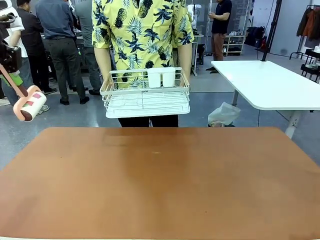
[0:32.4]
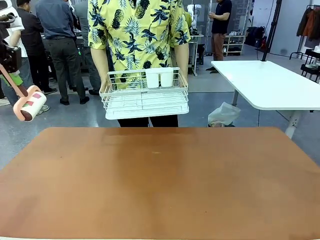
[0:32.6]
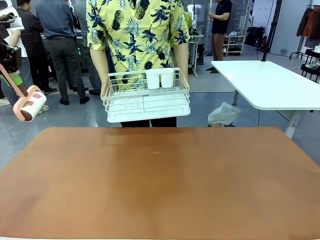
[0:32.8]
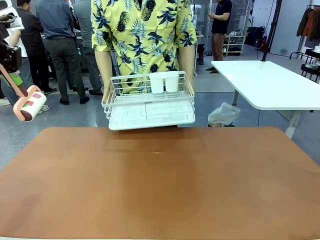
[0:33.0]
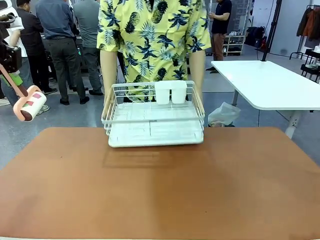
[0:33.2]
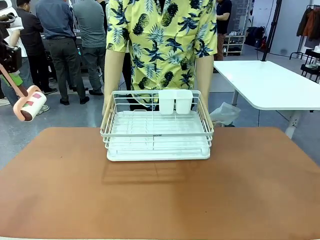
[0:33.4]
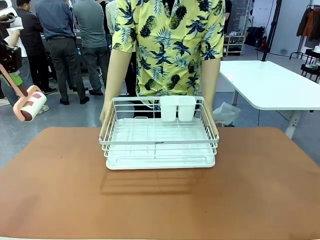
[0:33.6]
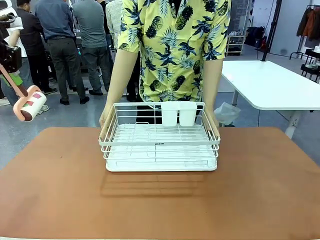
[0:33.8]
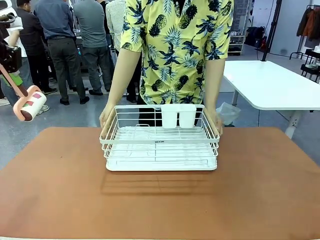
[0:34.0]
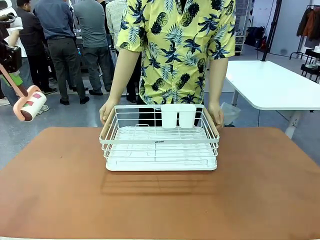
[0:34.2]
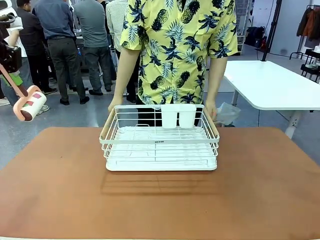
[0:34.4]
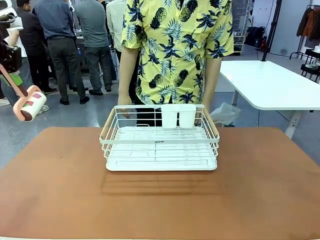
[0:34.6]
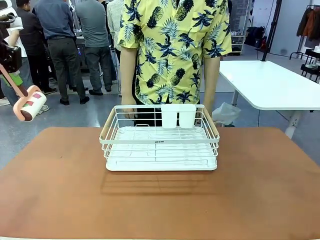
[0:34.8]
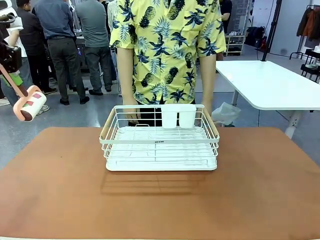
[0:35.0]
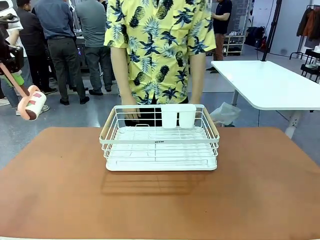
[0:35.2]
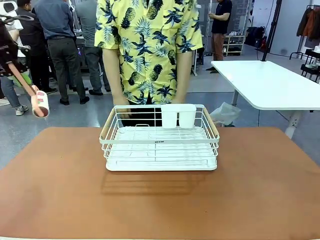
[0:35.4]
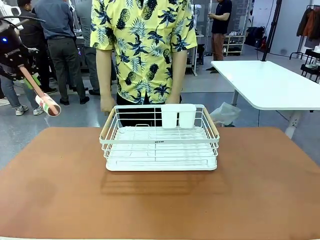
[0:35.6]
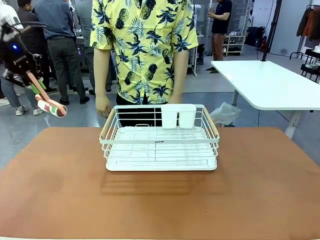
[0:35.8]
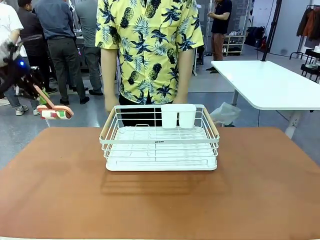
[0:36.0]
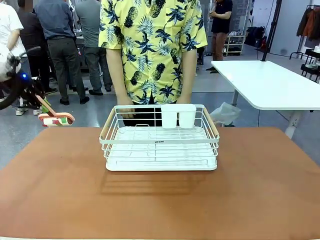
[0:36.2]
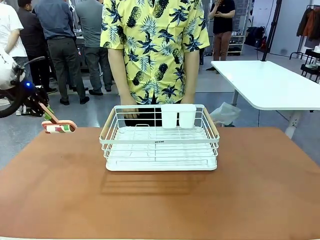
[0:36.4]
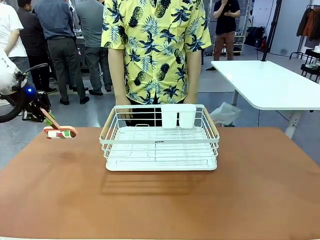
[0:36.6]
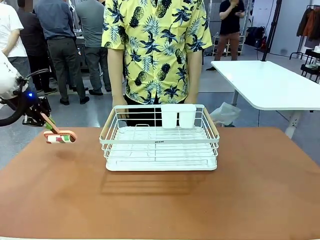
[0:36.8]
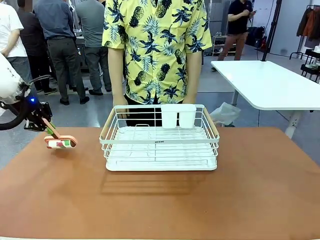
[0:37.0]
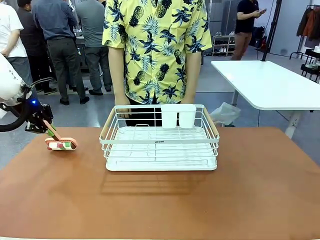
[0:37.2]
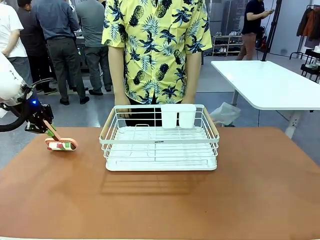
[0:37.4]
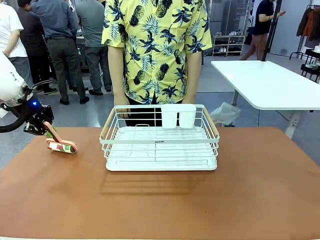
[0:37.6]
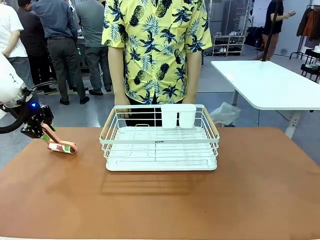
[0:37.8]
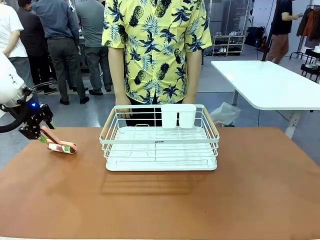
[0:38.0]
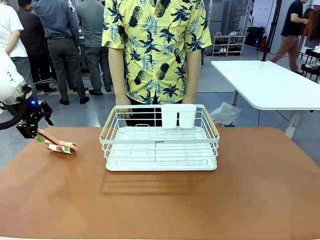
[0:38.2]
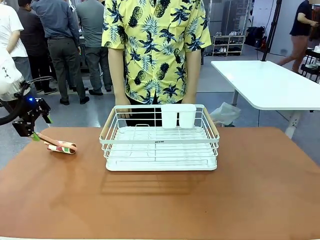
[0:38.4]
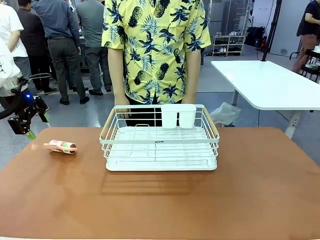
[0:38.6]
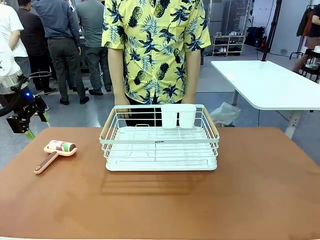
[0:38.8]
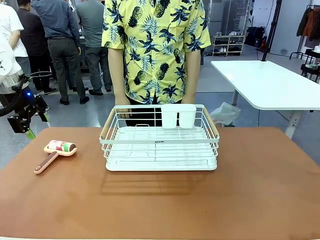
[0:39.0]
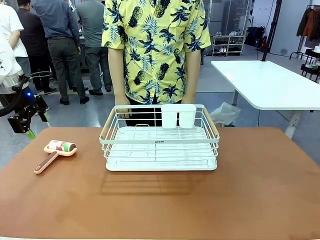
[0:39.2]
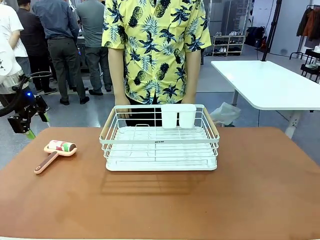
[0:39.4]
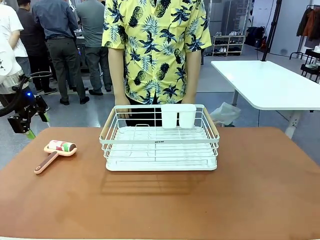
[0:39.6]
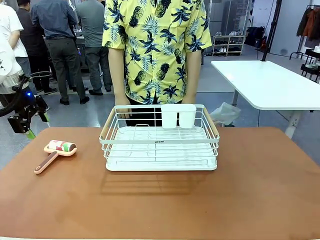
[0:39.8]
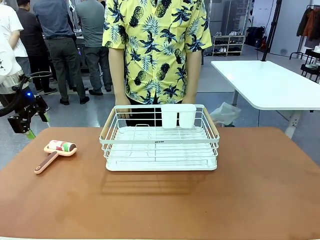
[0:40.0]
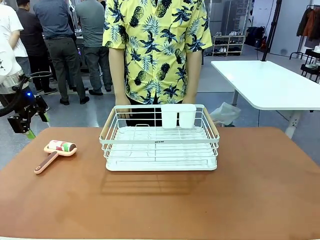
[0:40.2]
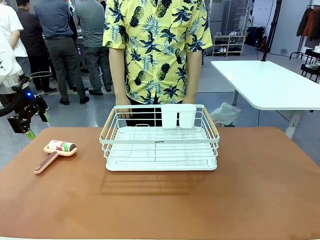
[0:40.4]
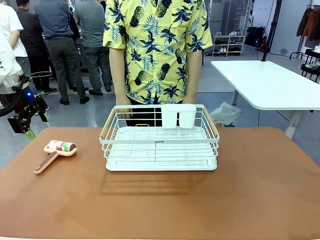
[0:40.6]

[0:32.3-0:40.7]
Task: Clean the table.
Robot: Place the Lint Roller down when the Dish drying rack is positioned in the middle of the table.

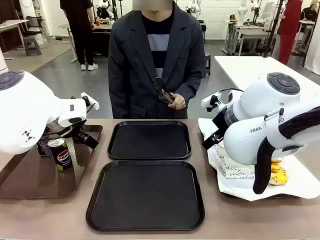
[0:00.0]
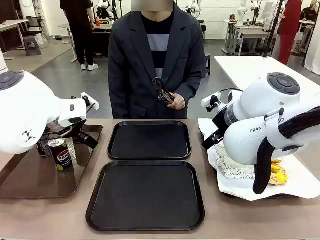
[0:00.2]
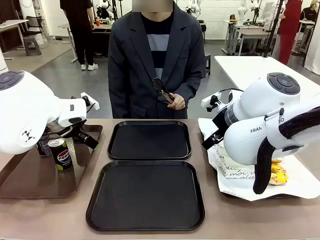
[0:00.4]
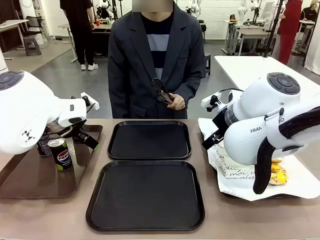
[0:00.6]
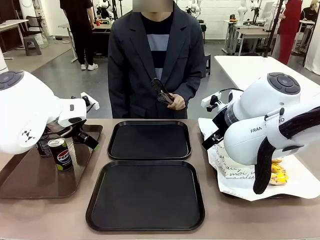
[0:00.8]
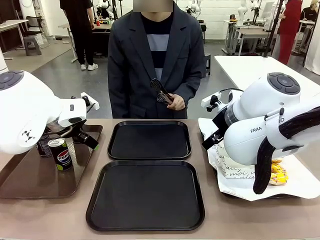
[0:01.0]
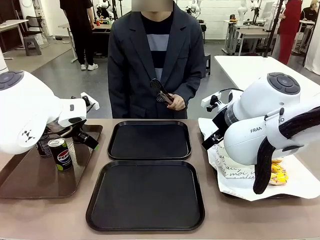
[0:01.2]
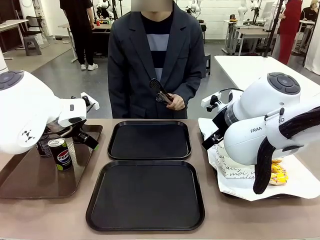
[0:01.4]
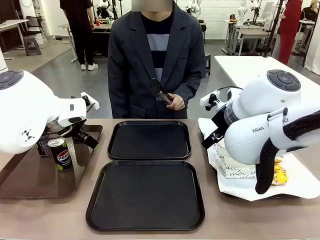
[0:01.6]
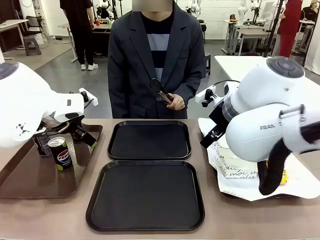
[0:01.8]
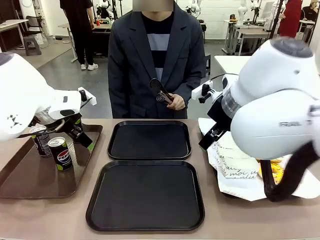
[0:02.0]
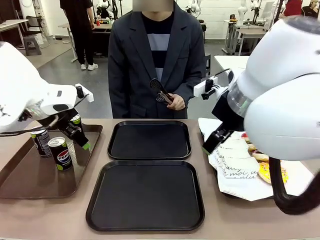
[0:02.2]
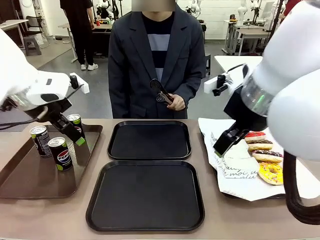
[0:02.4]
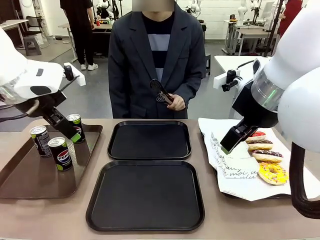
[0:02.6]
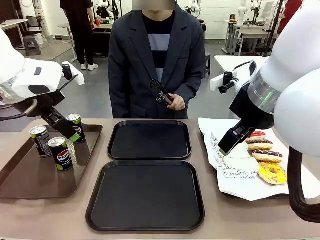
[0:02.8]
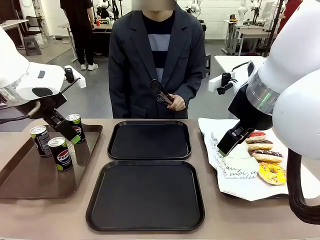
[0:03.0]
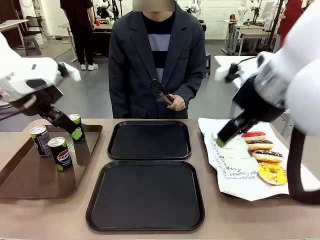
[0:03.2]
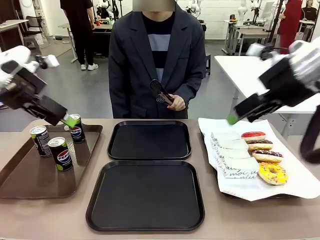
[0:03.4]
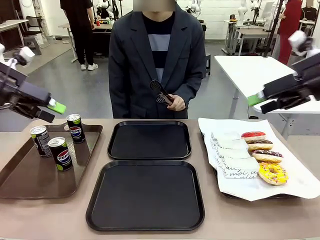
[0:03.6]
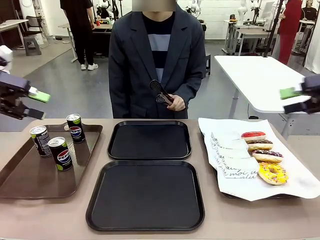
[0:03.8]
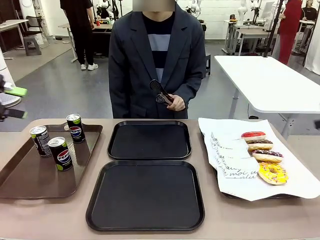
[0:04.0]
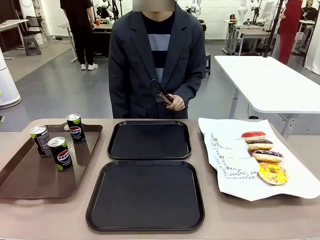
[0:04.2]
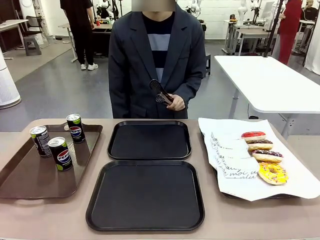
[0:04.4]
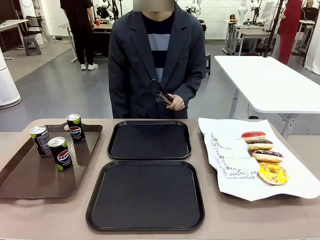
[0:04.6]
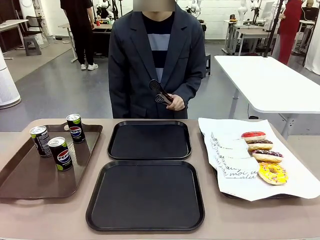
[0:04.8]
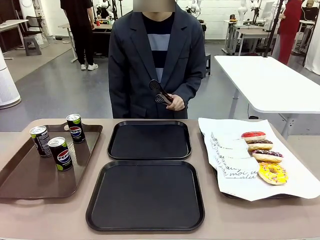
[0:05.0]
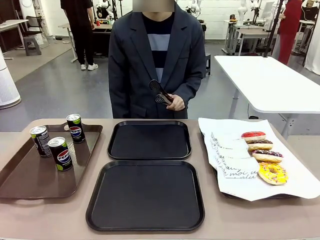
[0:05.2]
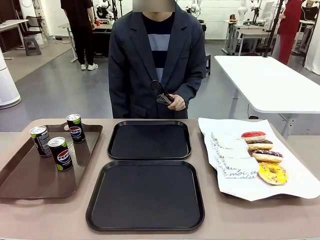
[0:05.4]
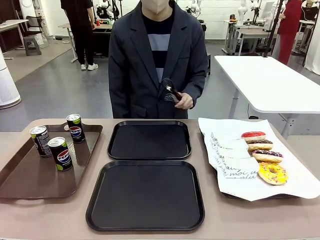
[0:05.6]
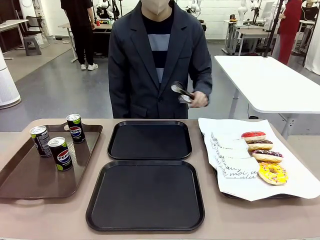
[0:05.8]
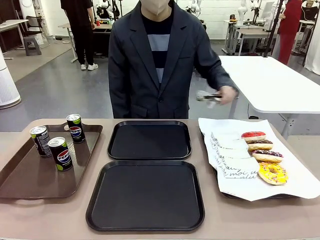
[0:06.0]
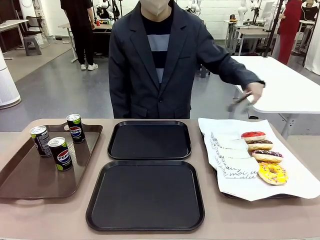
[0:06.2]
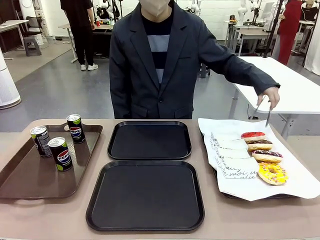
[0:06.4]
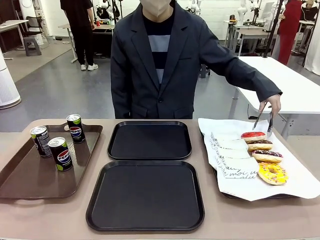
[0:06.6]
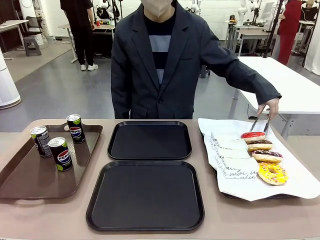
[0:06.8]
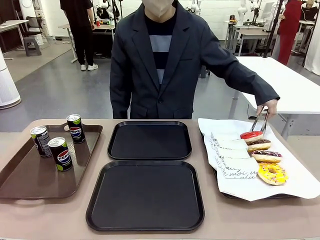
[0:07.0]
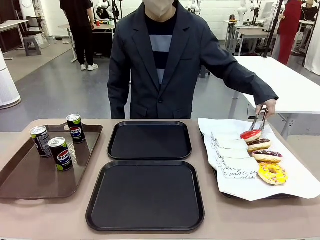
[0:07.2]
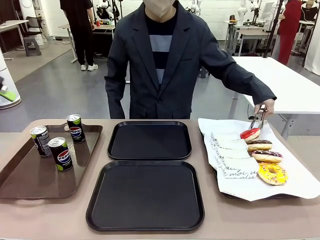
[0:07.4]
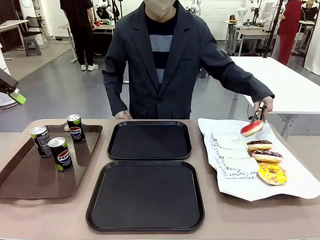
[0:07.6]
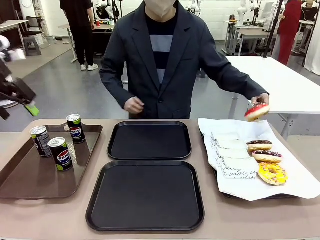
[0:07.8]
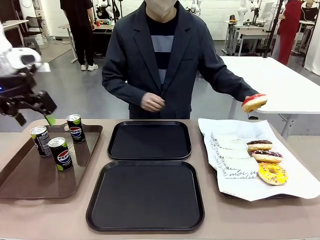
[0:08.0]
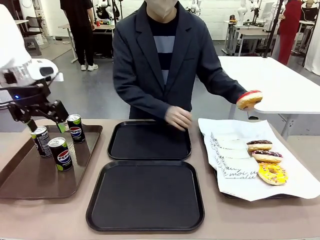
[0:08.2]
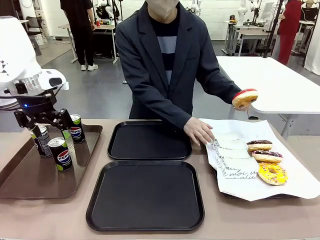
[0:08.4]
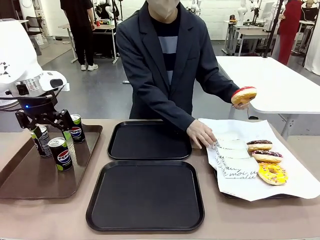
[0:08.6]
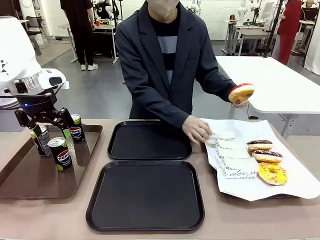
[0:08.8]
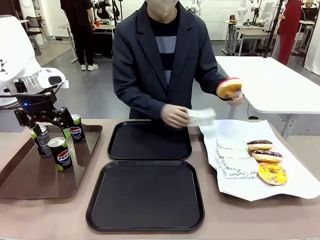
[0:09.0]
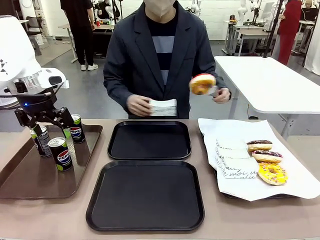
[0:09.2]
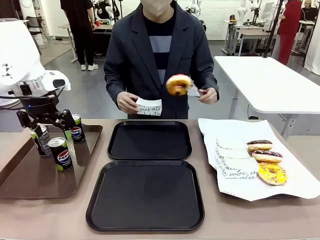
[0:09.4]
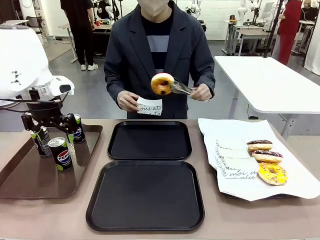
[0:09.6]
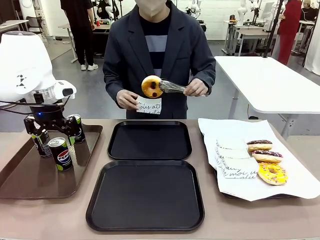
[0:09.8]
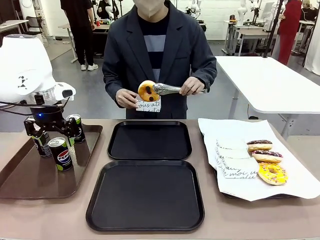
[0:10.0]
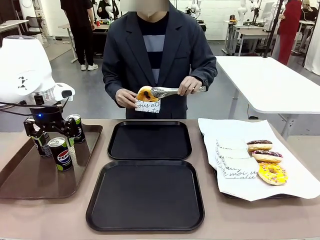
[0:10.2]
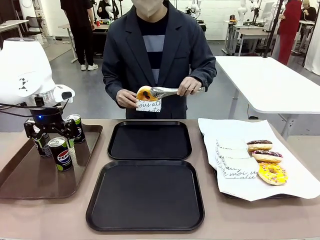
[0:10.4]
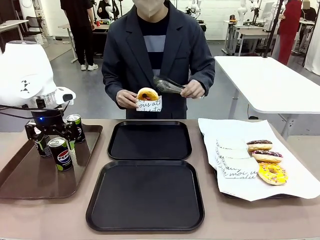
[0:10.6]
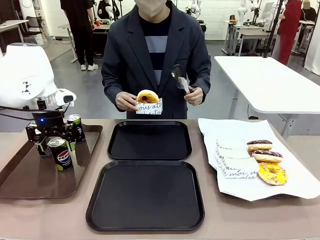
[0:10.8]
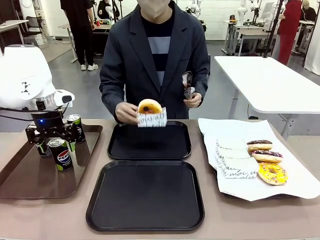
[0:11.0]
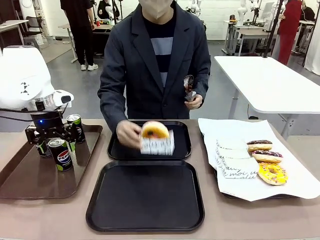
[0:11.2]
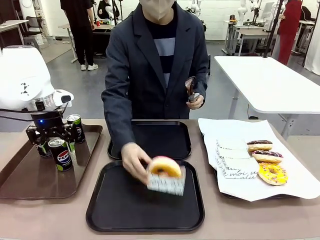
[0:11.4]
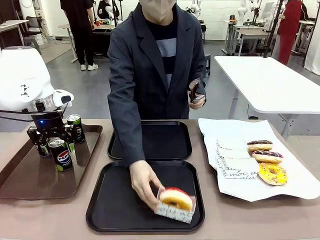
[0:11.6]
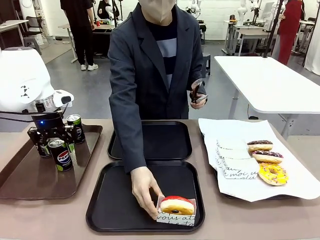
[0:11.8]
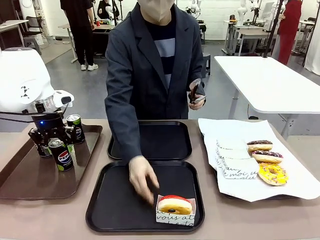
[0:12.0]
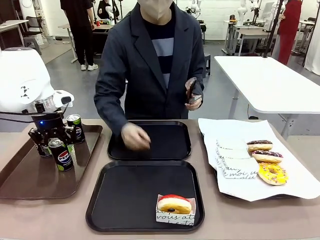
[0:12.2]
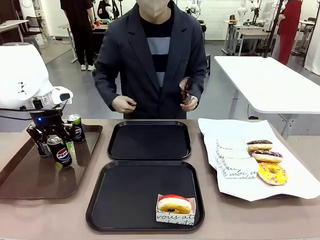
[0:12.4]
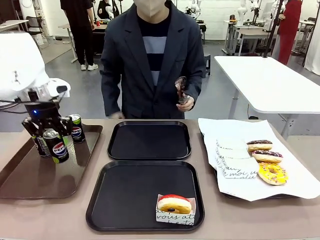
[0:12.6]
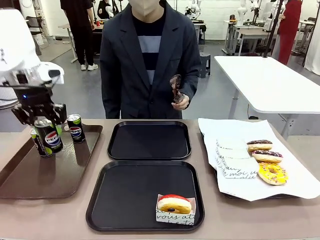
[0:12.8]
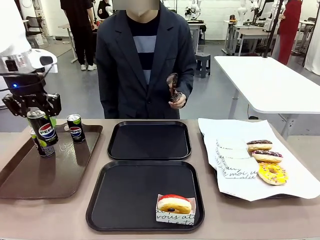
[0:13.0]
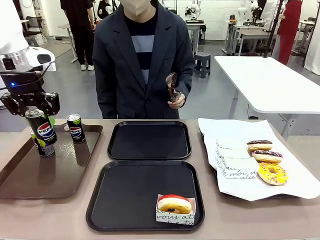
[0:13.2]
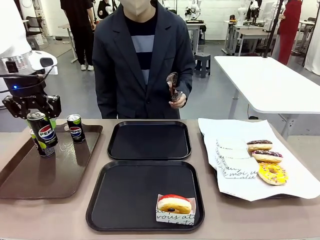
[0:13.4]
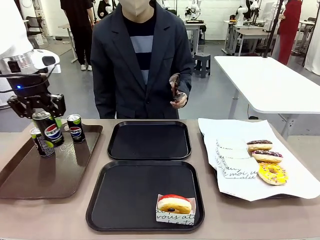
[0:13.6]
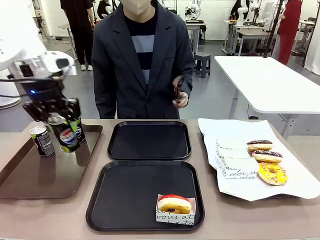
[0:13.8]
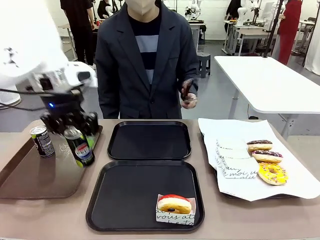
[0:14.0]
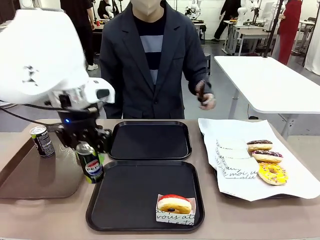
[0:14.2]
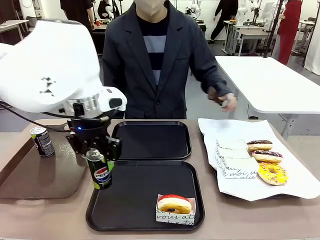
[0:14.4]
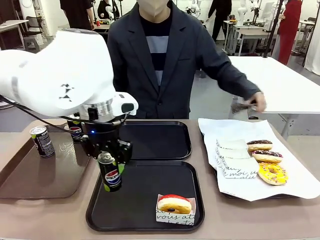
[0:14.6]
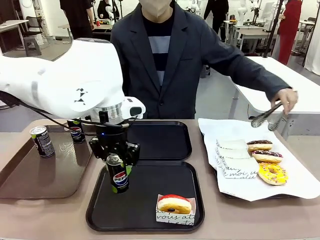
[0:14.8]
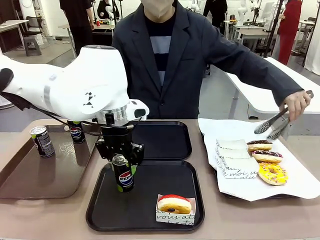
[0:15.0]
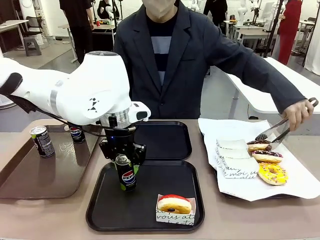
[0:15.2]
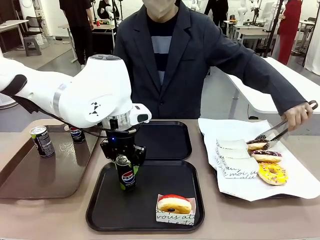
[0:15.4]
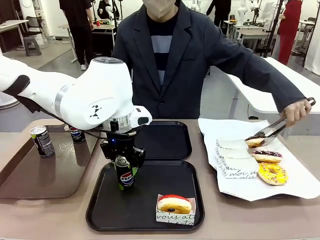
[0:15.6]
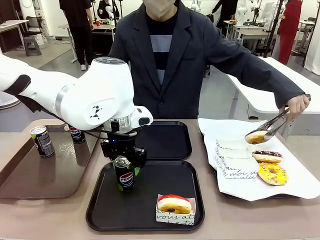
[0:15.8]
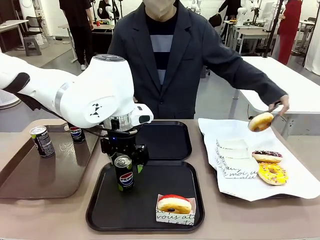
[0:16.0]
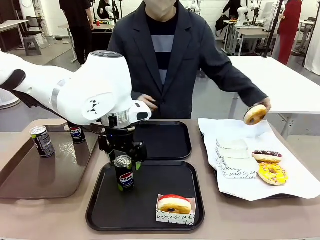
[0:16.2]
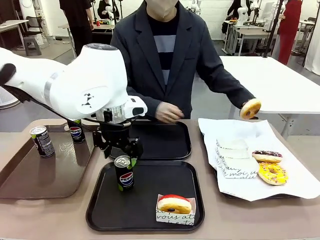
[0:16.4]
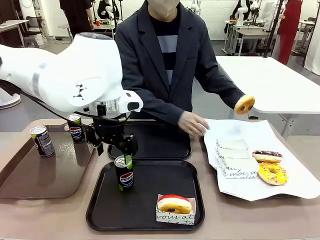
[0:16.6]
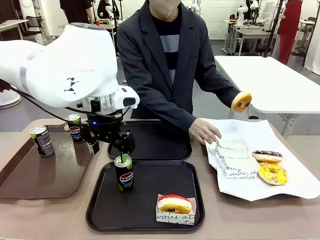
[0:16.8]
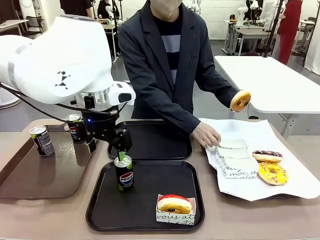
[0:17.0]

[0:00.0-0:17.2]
Task: Set up donuts and drinks on trays.
Robot: Pick up one Pepsi coke and place it on the Flat Tray.
